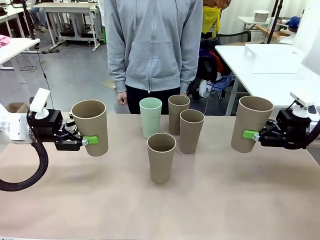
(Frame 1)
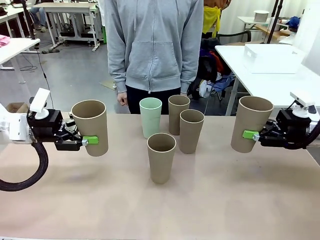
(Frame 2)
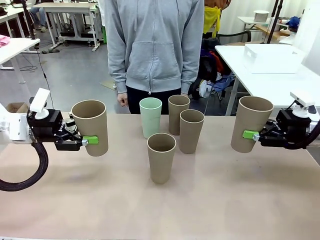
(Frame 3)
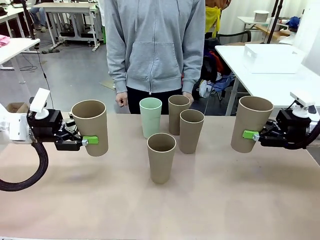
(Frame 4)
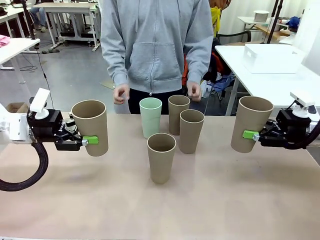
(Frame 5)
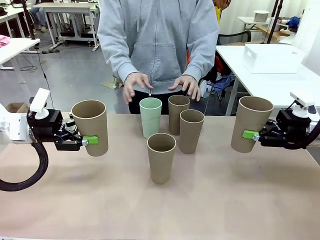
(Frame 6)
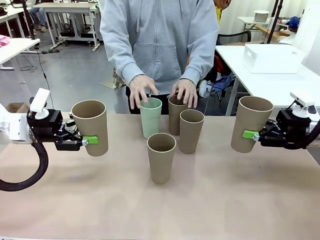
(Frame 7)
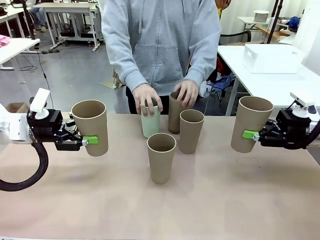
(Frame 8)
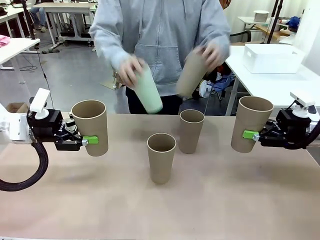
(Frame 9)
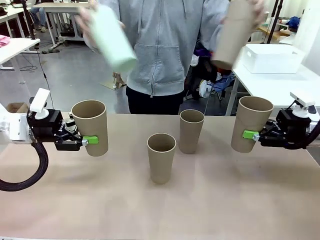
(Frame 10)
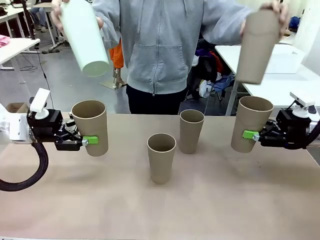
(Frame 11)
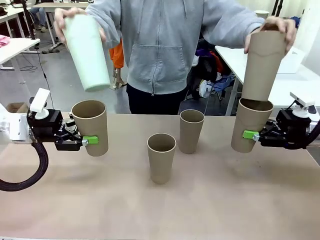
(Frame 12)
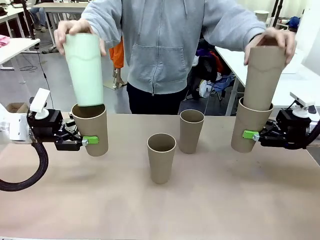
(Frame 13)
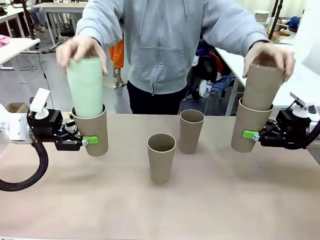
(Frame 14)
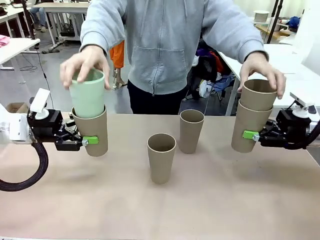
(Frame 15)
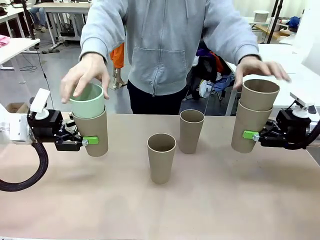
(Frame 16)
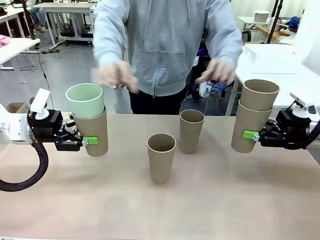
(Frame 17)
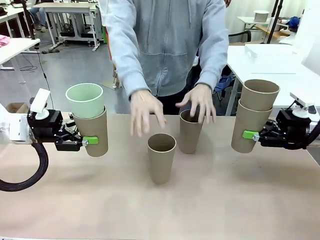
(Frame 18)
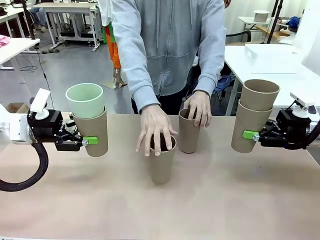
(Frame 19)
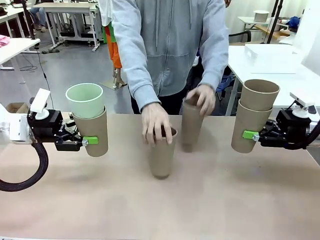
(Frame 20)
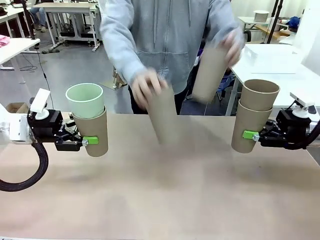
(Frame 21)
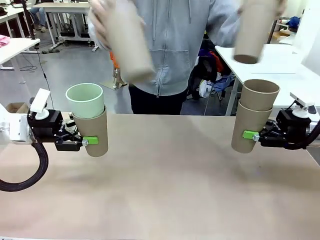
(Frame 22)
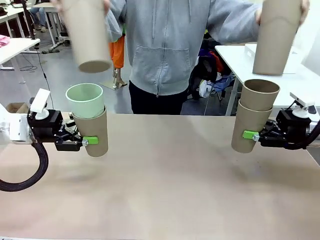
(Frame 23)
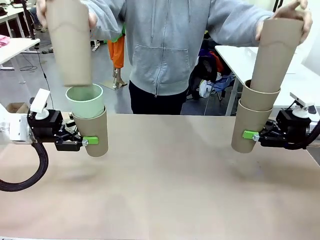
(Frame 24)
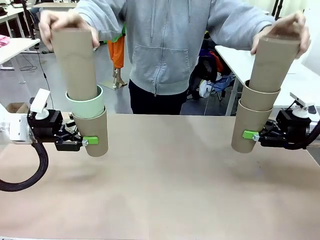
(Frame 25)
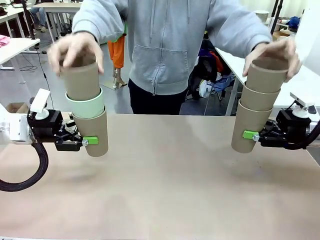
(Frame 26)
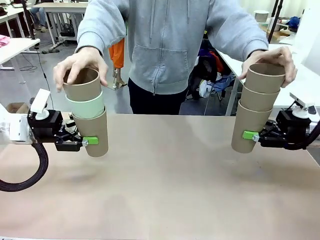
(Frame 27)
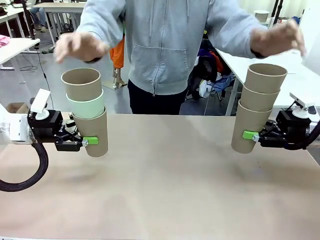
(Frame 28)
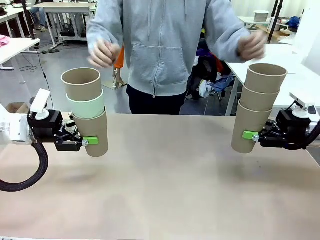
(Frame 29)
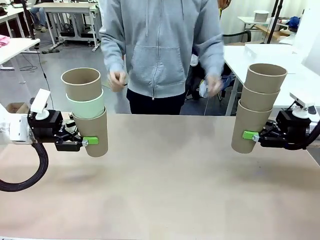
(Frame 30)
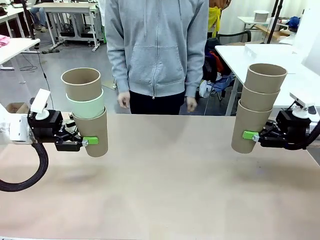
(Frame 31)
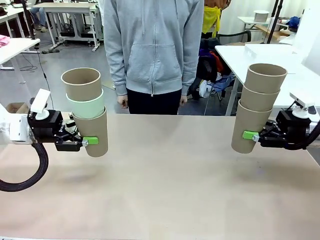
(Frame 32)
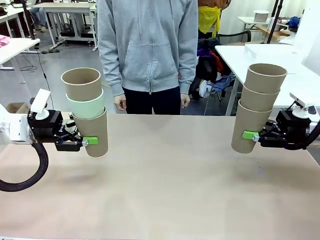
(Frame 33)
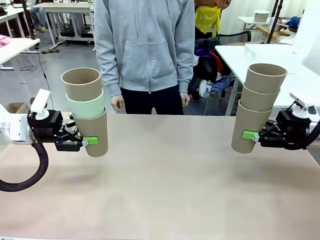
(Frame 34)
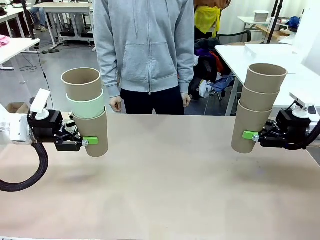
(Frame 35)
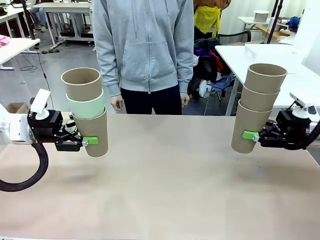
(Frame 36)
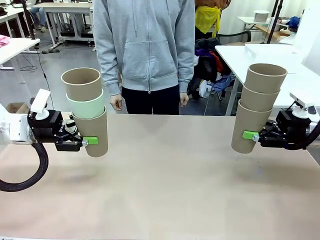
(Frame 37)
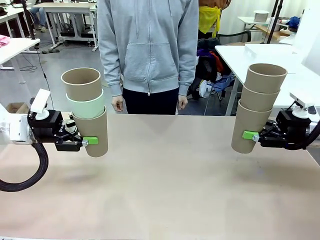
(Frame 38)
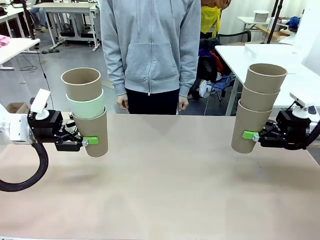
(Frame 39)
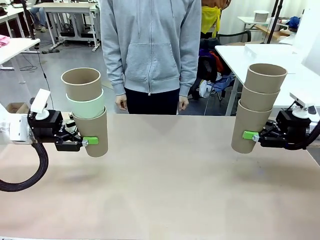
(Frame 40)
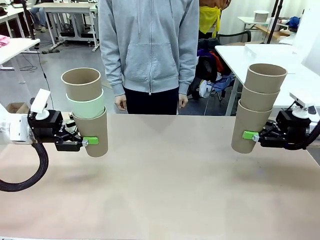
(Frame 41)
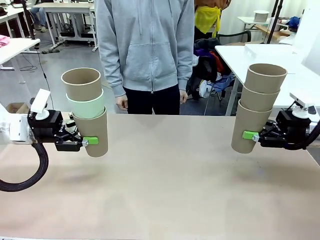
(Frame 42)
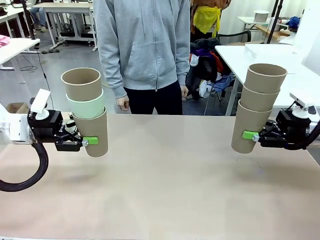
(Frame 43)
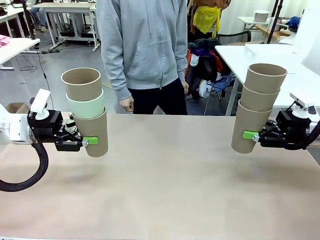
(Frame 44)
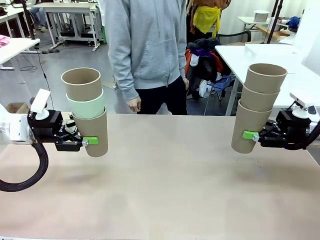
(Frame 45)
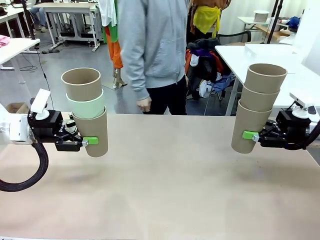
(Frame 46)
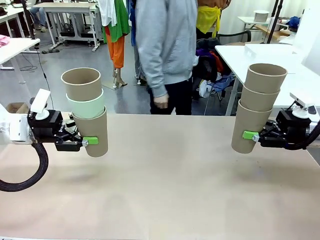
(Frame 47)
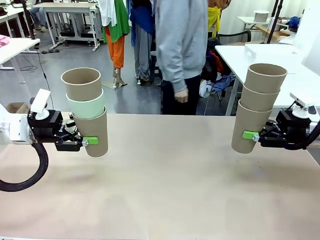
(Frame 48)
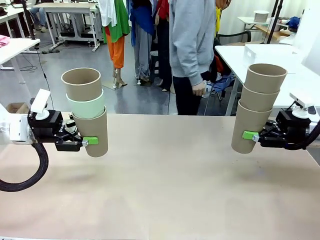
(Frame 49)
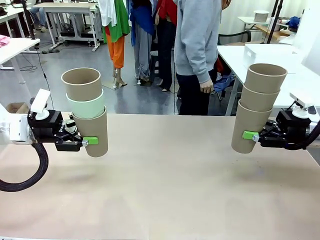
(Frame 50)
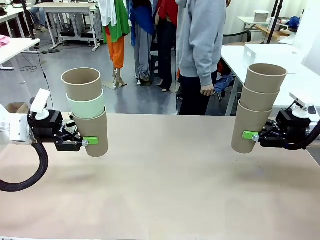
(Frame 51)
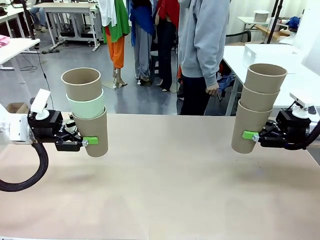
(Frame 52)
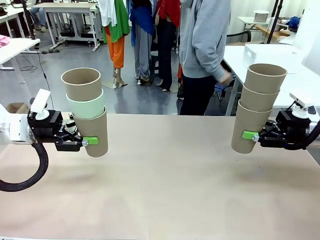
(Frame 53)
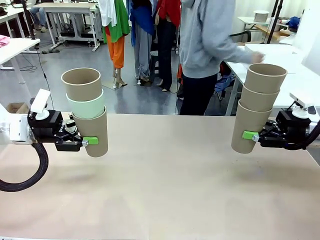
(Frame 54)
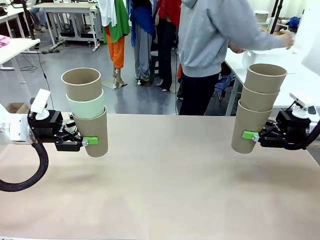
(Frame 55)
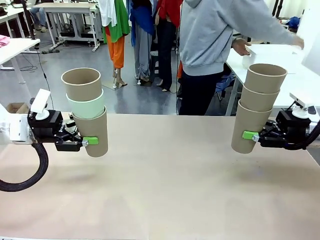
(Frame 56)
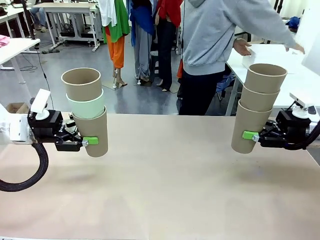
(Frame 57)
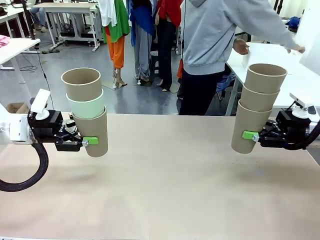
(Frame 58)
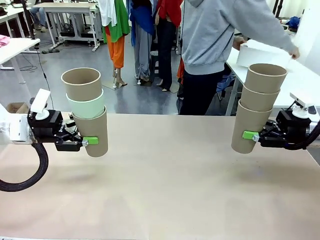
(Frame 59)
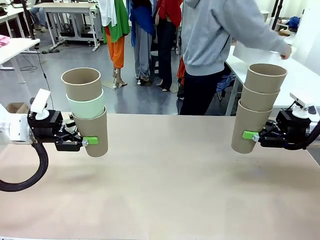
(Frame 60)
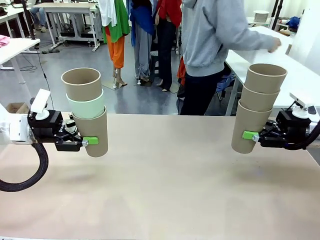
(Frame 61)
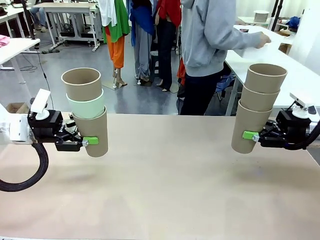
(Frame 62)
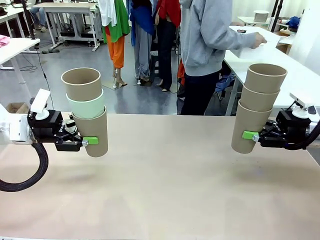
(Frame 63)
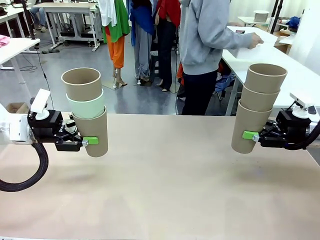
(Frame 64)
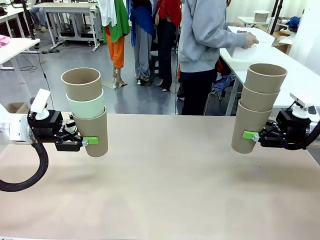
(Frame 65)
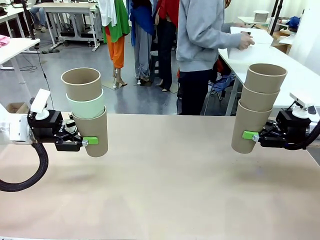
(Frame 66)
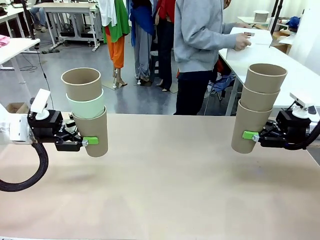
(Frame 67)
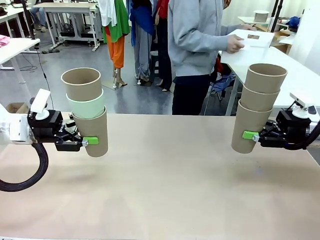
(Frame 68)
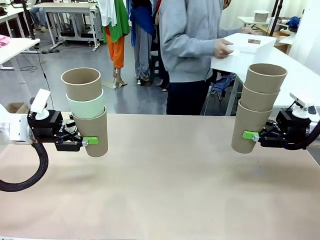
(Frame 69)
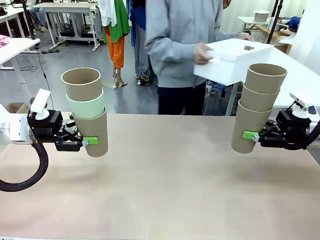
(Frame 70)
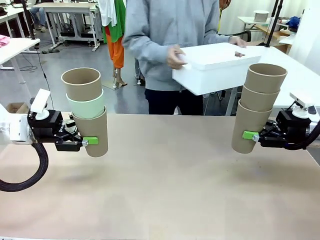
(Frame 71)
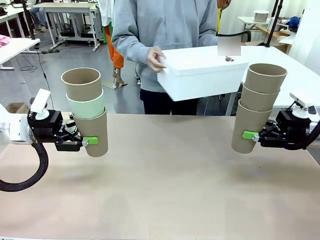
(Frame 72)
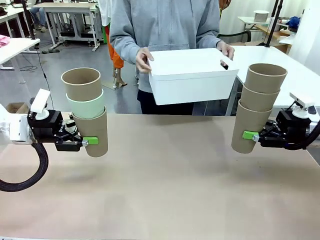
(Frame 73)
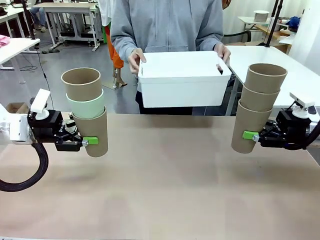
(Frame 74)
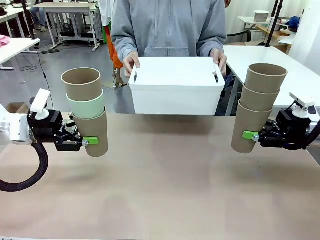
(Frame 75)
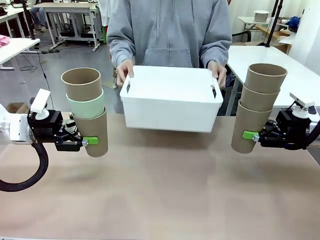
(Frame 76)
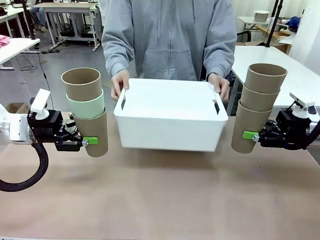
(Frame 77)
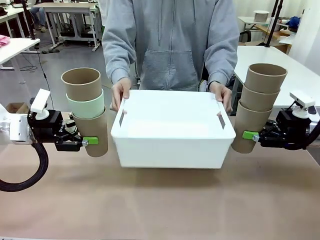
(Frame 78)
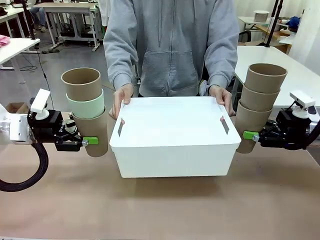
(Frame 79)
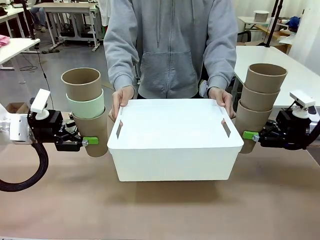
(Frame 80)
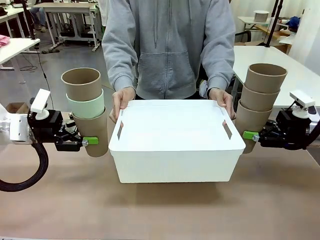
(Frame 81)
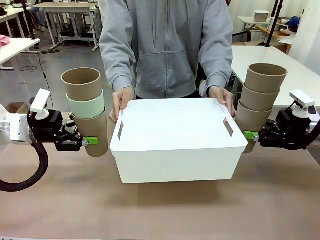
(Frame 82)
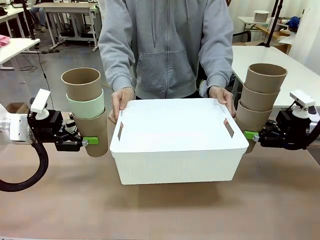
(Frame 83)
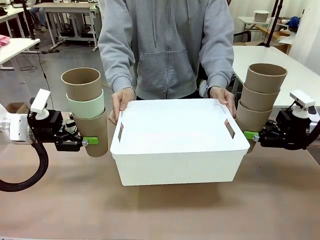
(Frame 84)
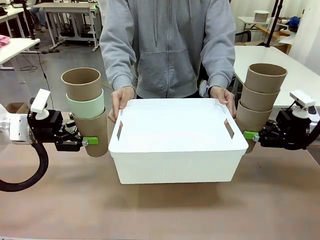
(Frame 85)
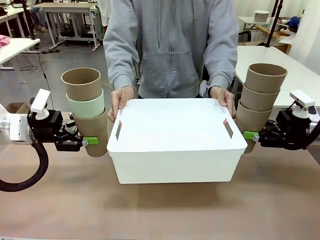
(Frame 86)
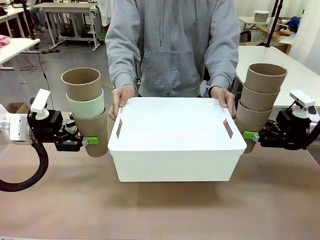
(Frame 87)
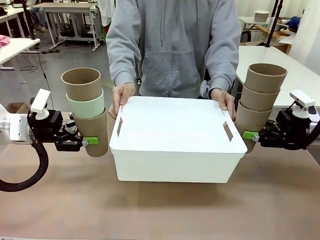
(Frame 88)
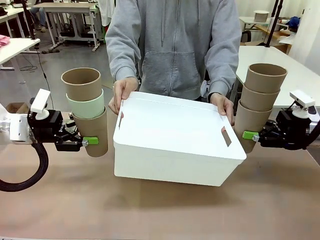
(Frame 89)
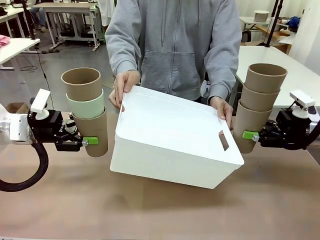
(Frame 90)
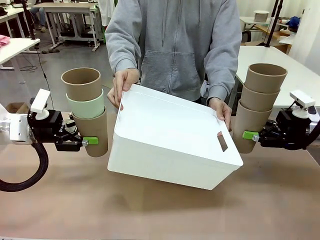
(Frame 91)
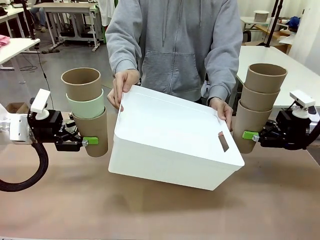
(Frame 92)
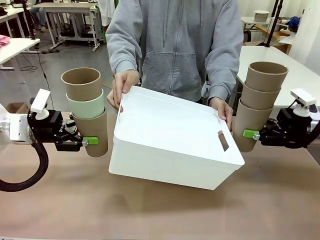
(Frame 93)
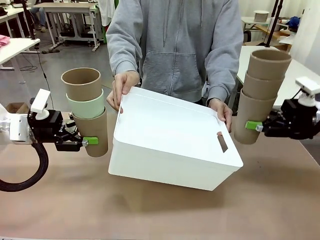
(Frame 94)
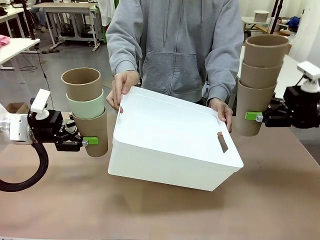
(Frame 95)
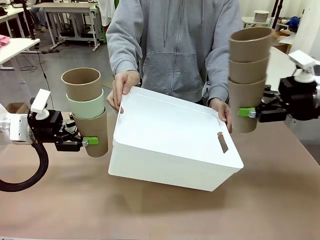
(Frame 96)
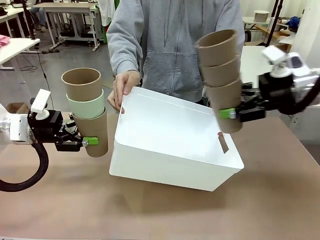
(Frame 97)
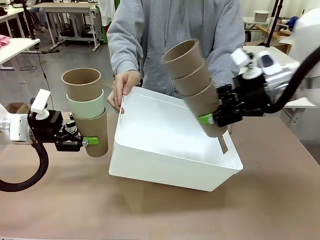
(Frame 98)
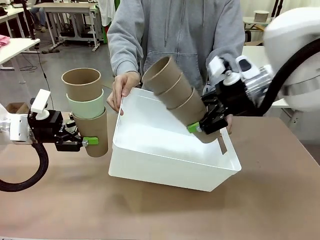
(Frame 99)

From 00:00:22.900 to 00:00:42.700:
Task: Stack the cups and store them in the basket.
Robot: Place the stack of Reusable plastic cups into the Pantry Basket.
Person: Pick up the basket from the Human Table, bring it to the front of the robot, and present it.
